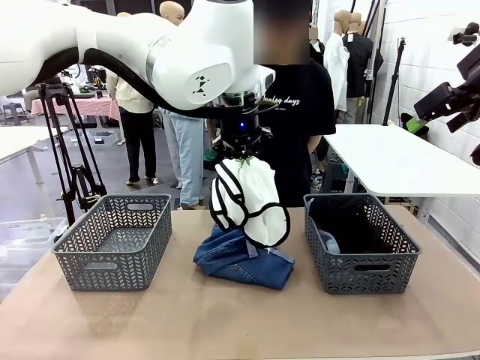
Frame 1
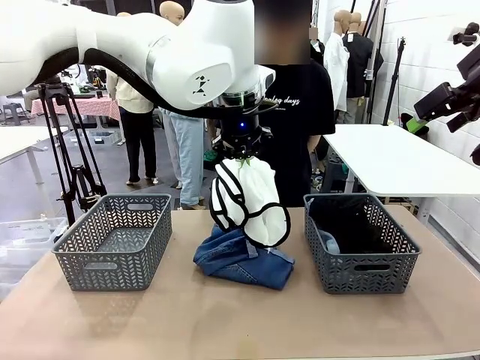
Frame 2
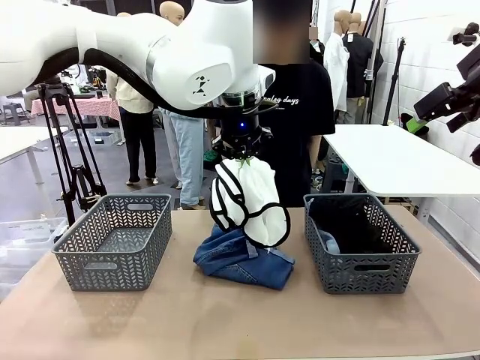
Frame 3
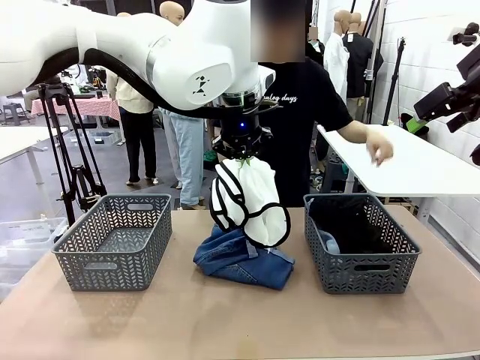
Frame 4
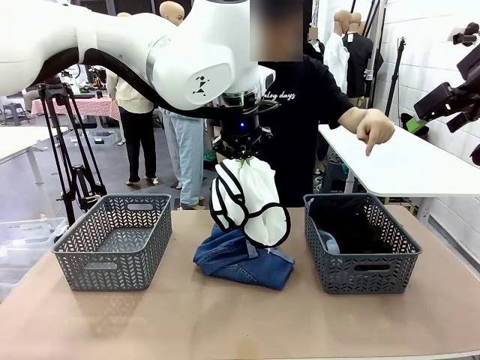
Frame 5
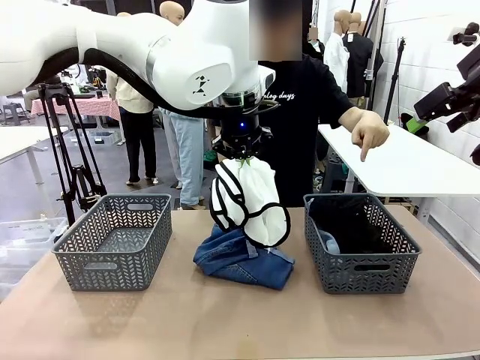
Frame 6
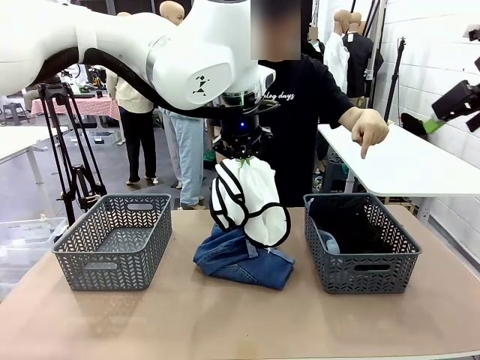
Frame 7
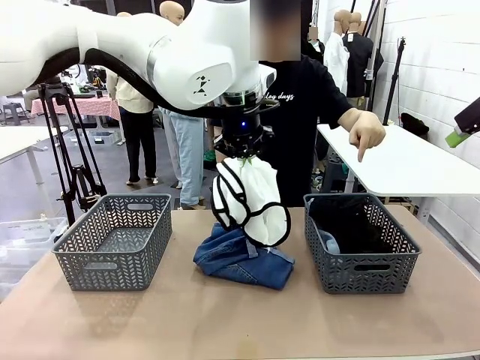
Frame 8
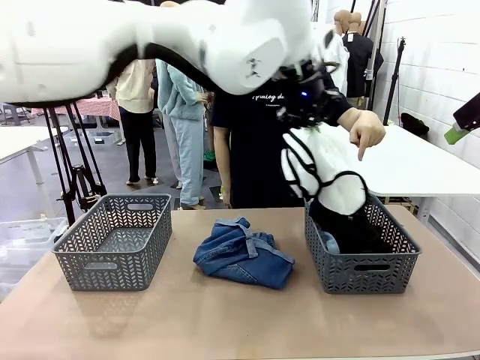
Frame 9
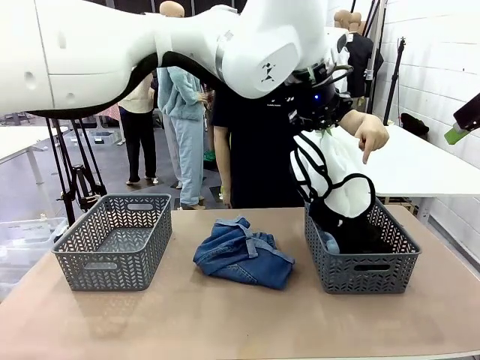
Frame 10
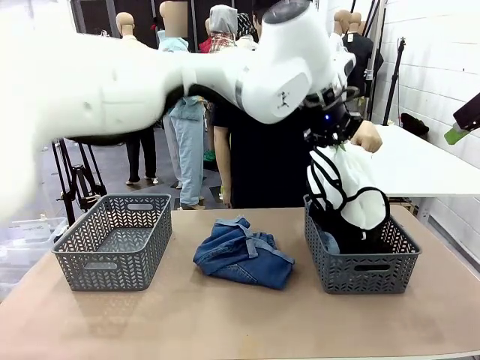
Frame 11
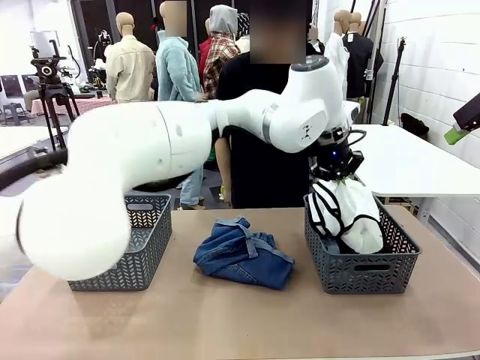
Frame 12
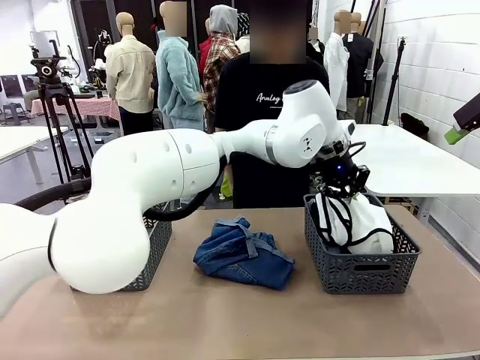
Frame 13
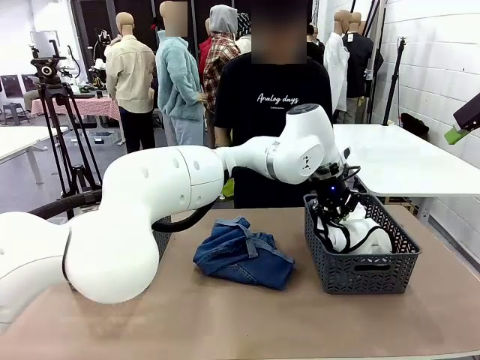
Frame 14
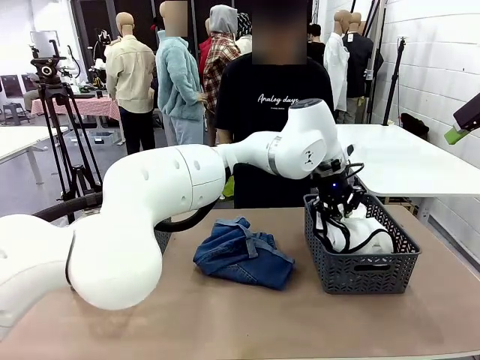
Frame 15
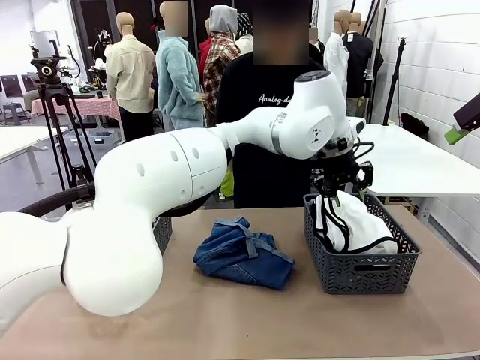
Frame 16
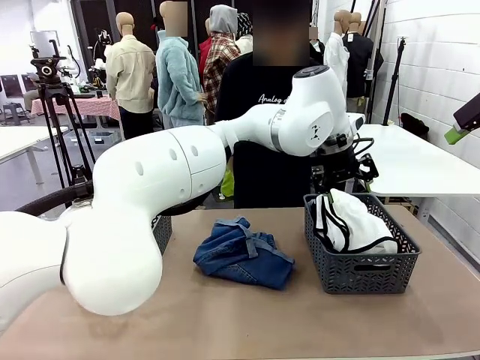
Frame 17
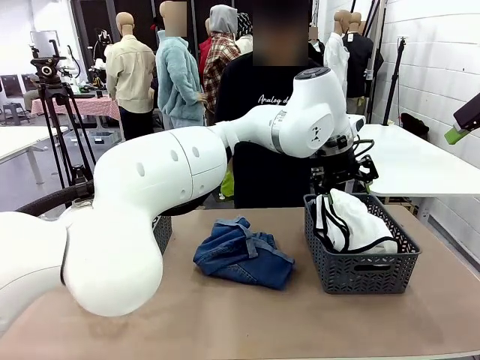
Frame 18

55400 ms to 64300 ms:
Task: Sort the tops and bottoms.
Robot: Sort the clothes according to human instructions.

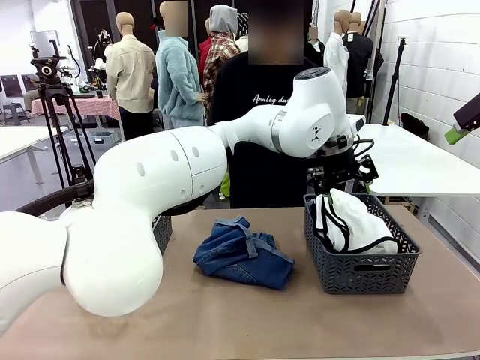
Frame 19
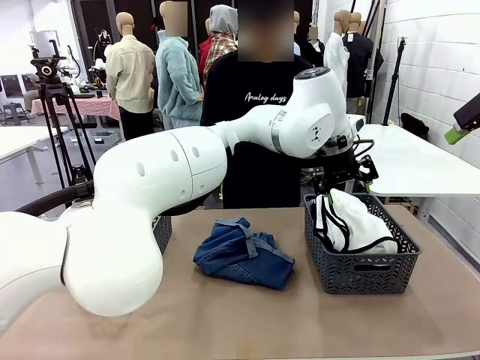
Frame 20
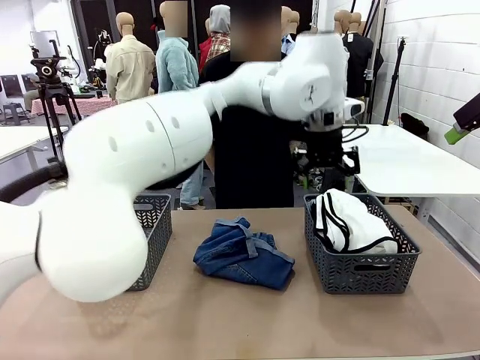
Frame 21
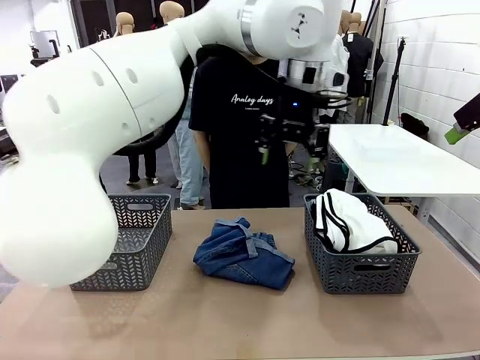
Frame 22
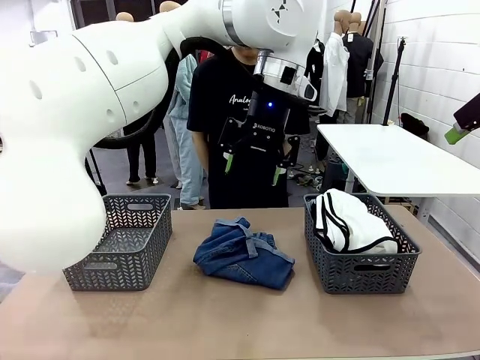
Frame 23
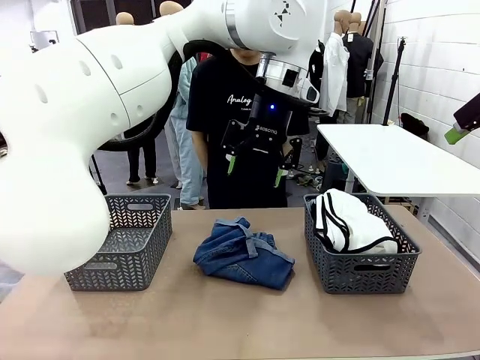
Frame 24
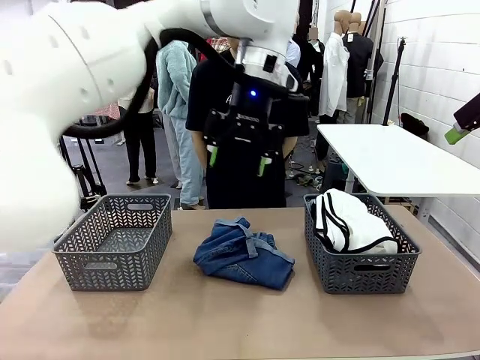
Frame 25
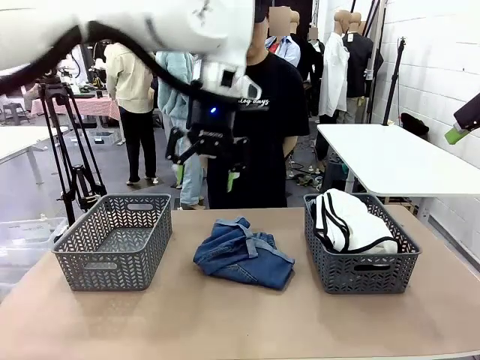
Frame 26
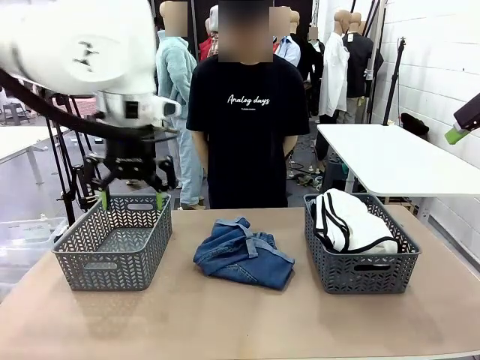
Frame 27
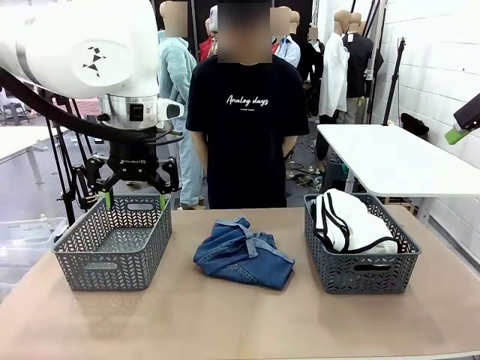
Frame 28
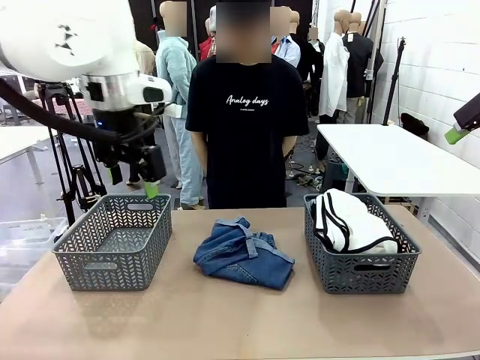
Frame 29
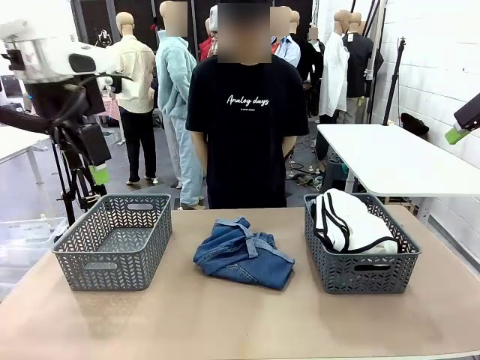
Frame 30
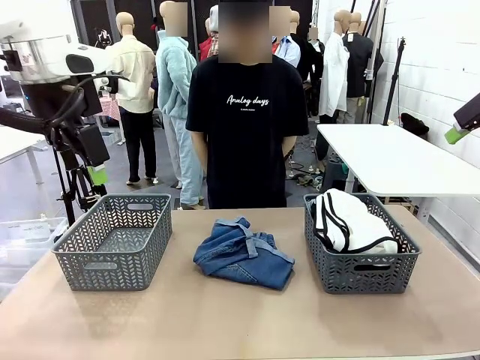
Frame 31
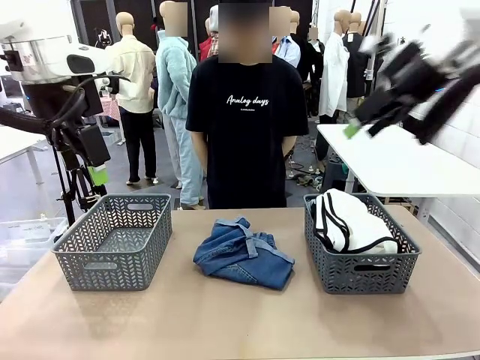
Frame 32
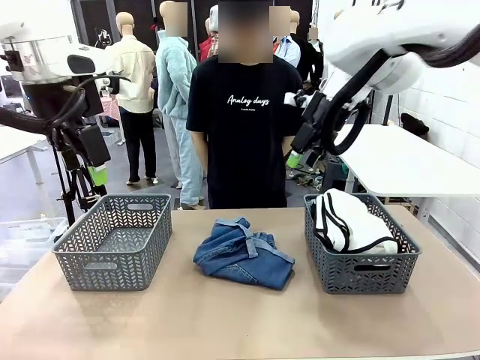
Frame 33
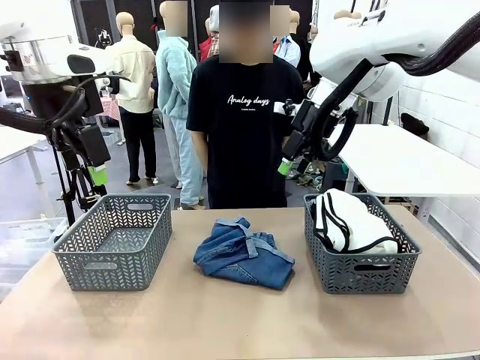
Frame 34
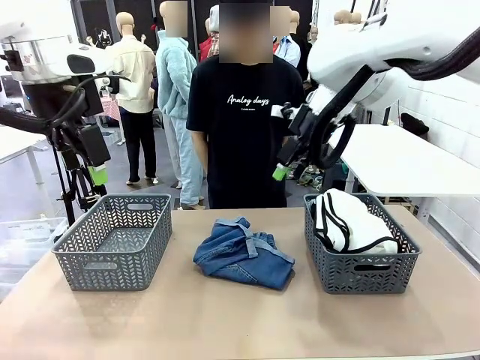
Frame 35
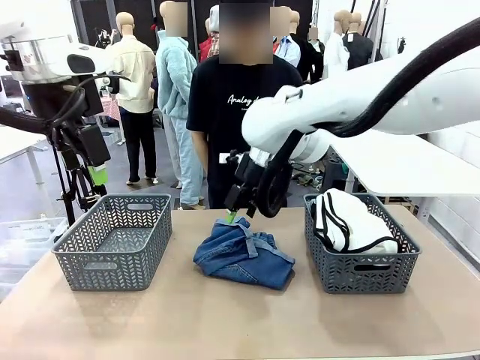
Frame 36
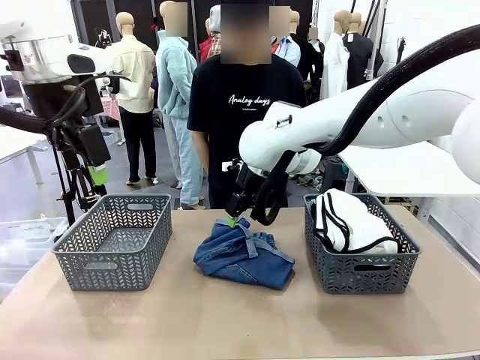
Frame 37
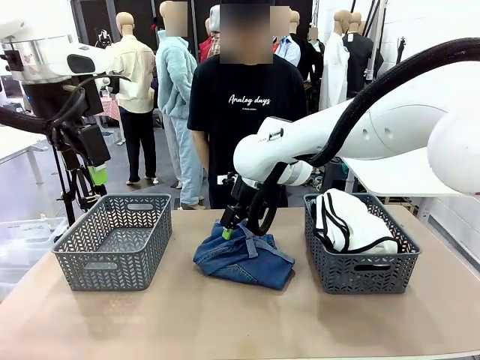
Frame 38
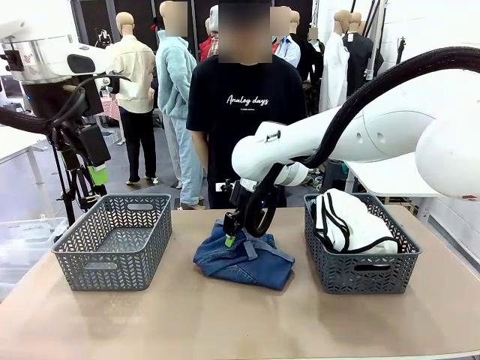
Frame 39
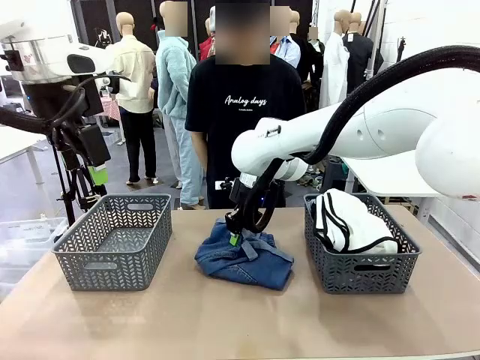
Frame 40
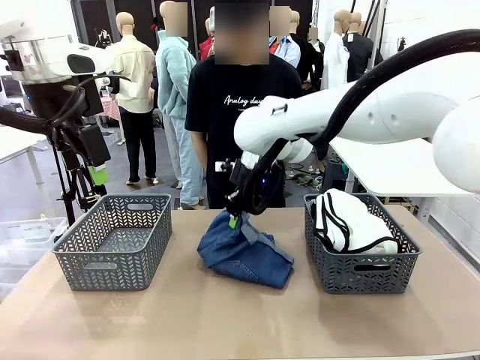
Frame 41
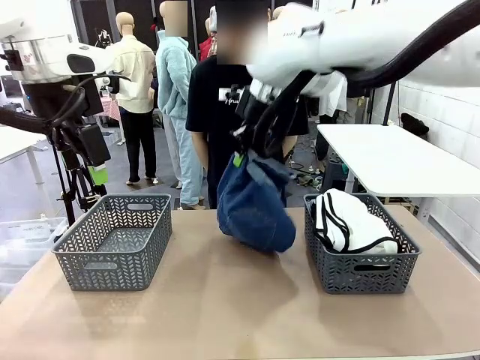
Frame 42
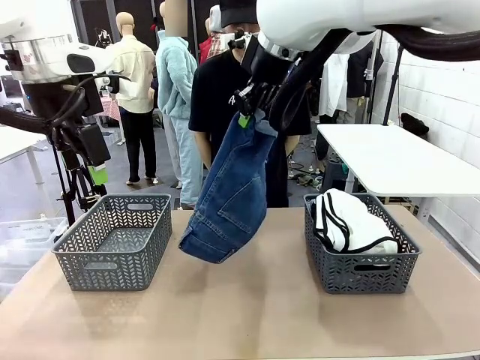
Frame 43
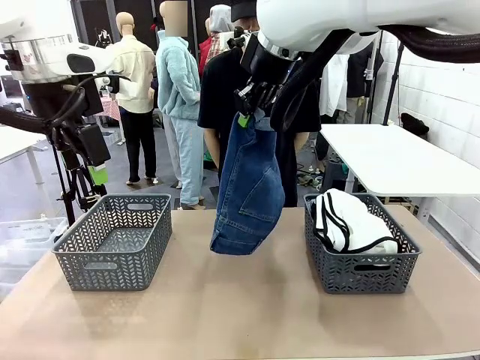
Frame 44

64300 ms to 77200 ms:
Robot: Lift clothes from the center of the table with your right hand.

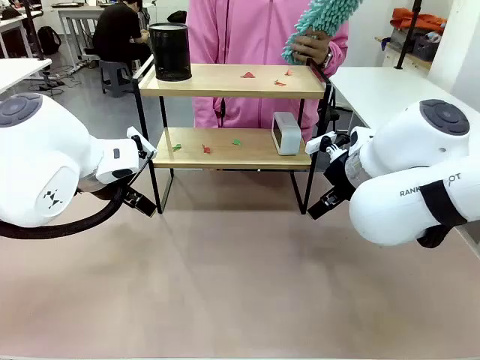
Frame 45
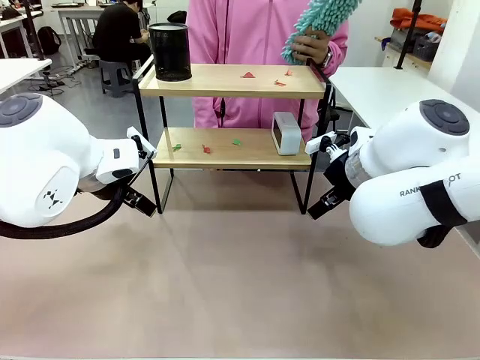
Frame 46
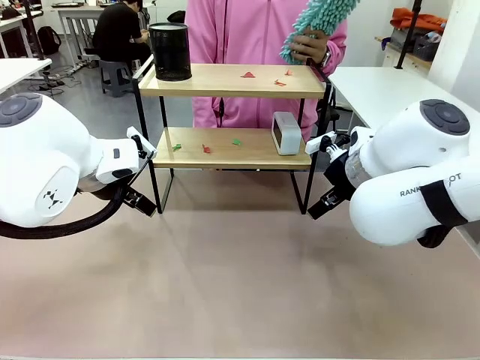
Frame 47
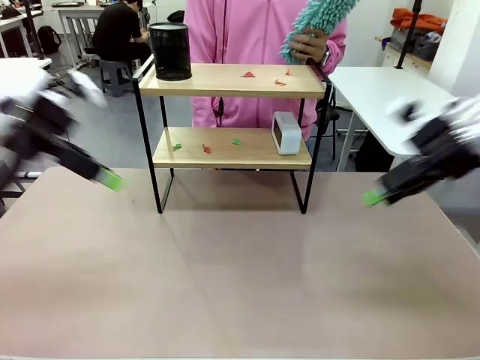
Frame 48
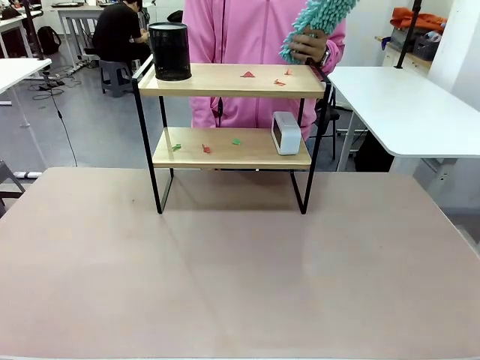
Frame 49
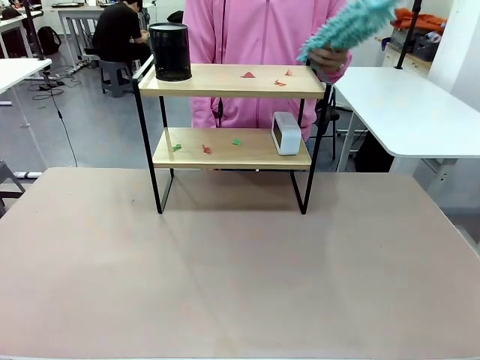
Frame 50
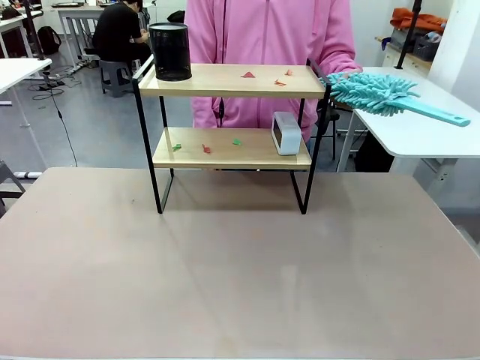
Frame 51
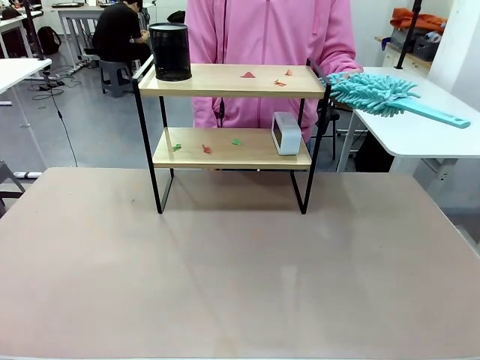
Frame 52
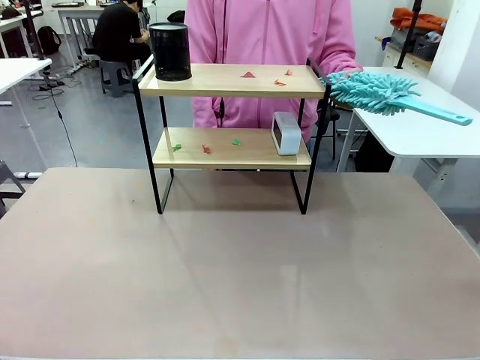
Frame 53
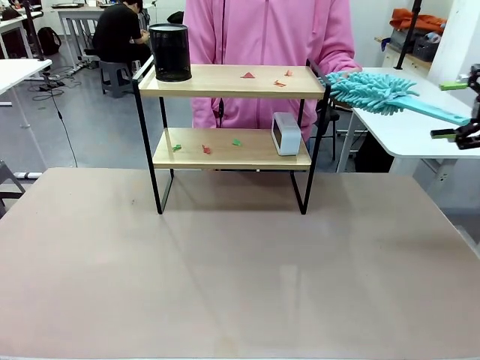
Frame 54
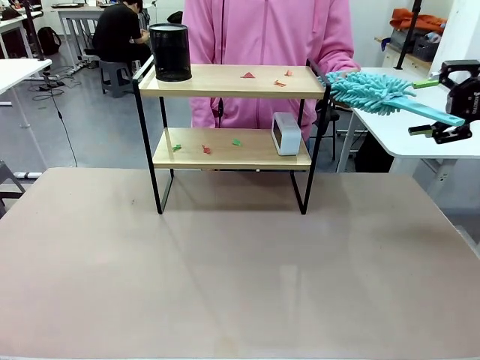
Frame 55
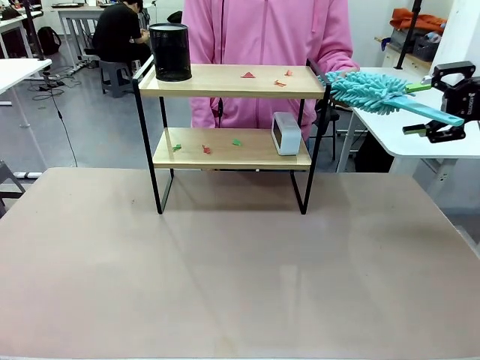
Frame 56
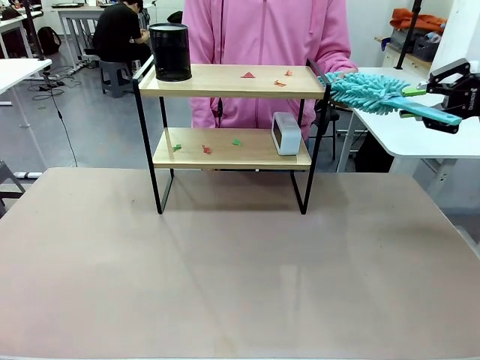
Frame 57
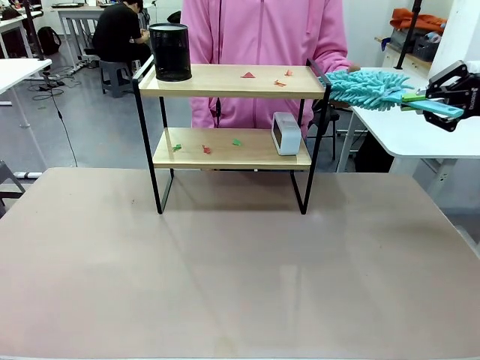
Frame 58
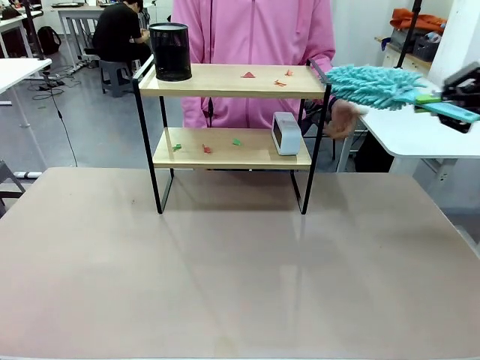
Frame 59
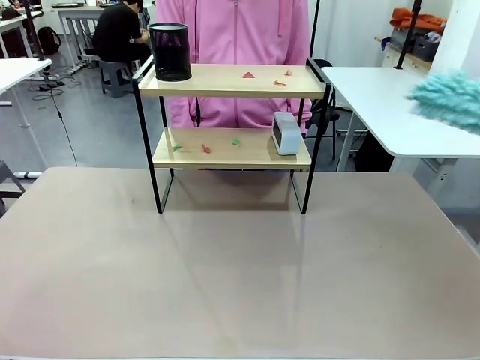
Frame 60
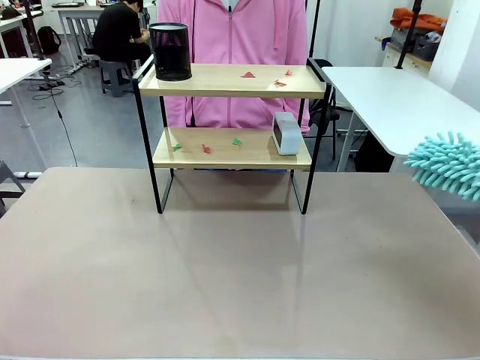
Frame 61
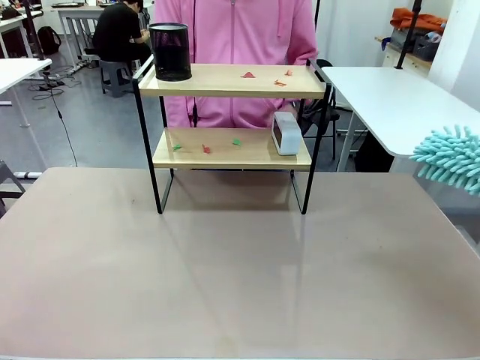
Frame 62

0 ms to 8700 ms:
Task: Clean the shelf.
Robot: Pick up the Duster from the human.
Person: Hand the Duster to the robot.
